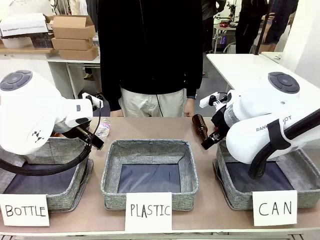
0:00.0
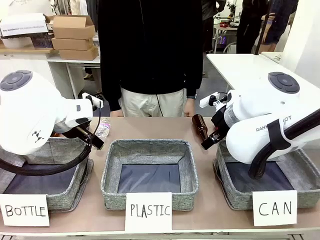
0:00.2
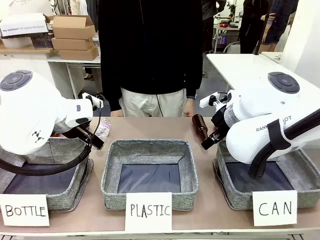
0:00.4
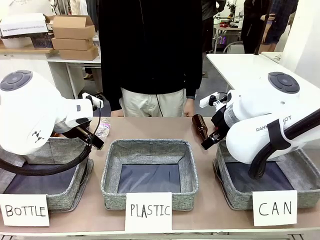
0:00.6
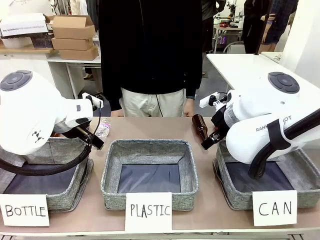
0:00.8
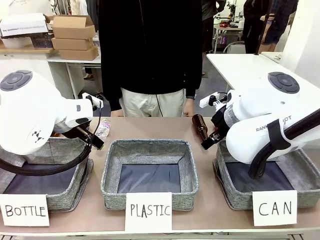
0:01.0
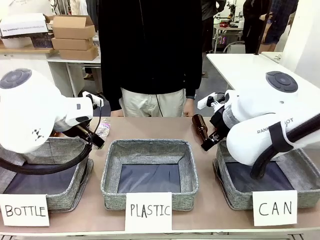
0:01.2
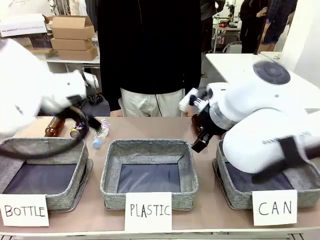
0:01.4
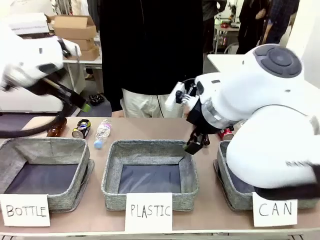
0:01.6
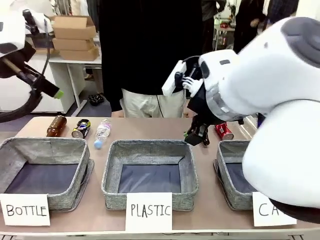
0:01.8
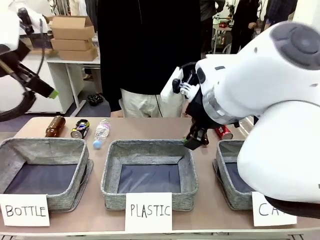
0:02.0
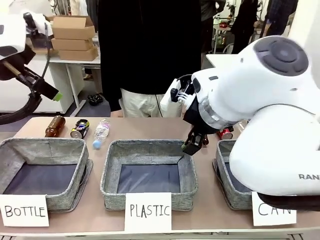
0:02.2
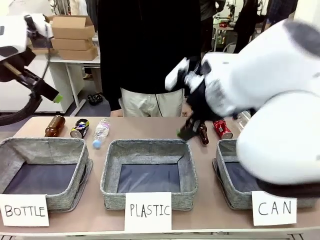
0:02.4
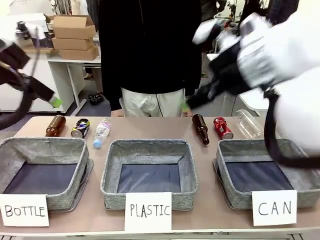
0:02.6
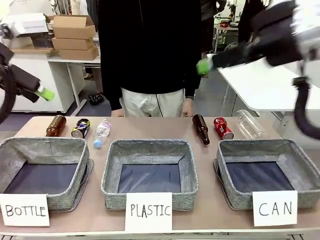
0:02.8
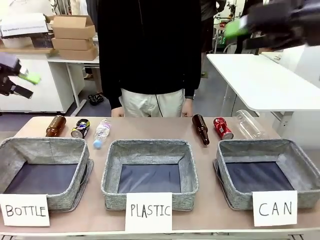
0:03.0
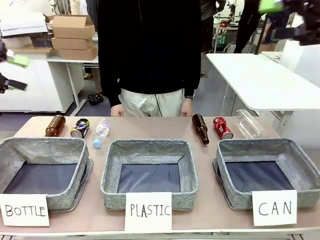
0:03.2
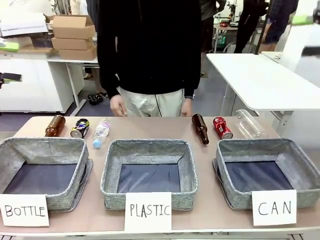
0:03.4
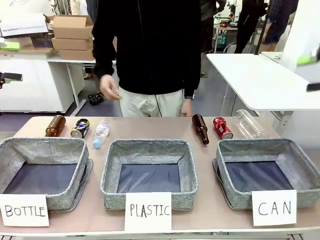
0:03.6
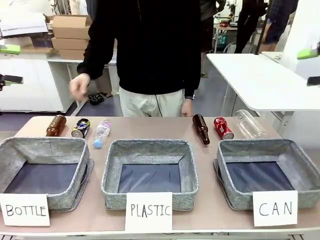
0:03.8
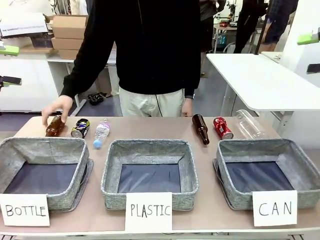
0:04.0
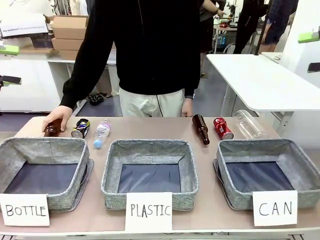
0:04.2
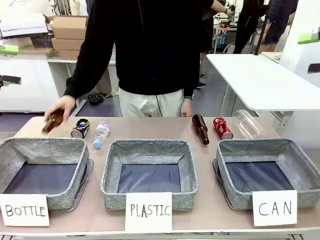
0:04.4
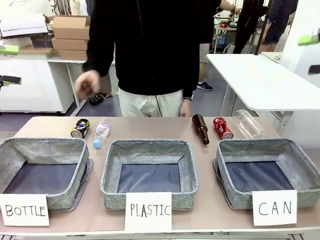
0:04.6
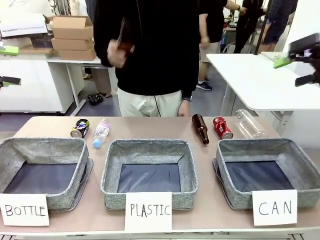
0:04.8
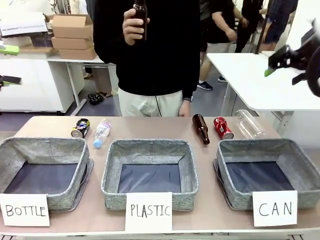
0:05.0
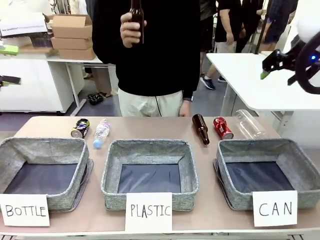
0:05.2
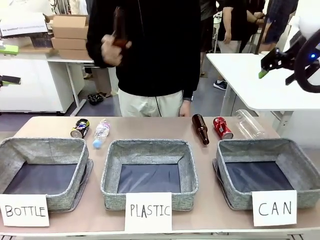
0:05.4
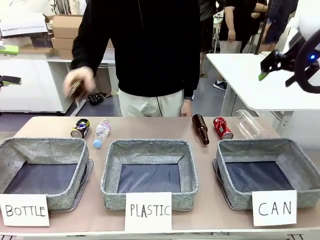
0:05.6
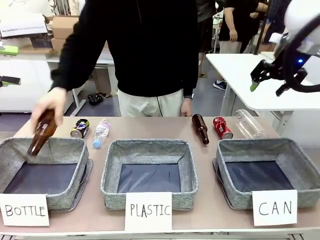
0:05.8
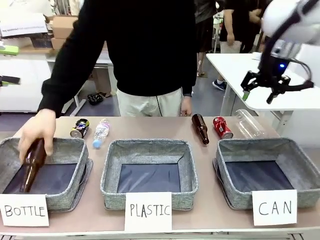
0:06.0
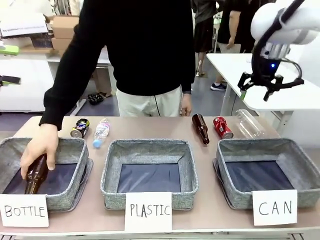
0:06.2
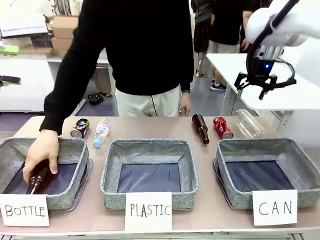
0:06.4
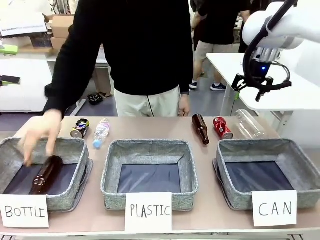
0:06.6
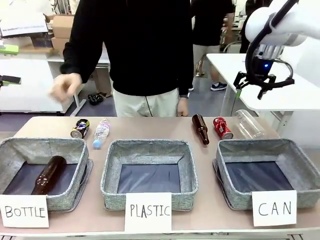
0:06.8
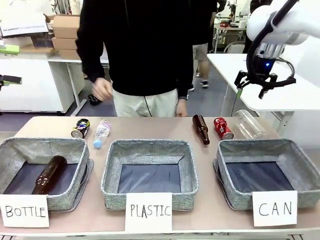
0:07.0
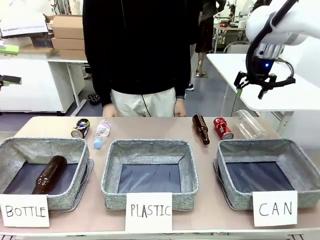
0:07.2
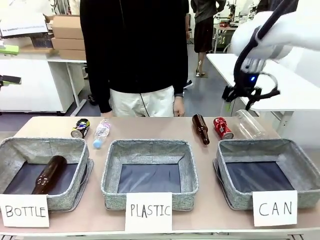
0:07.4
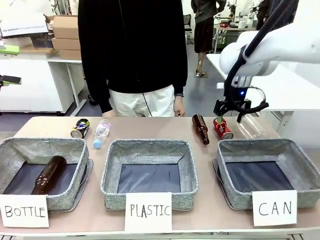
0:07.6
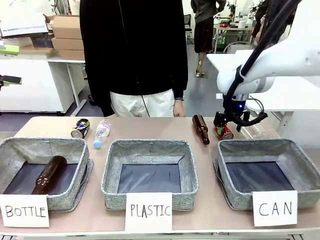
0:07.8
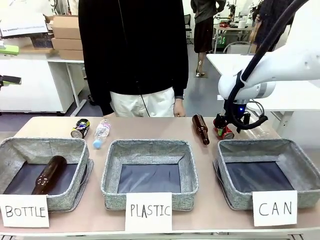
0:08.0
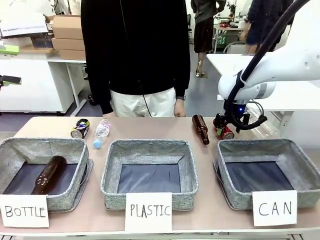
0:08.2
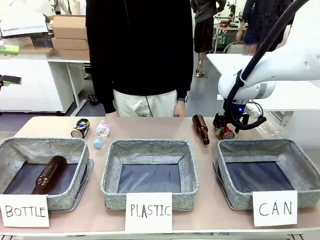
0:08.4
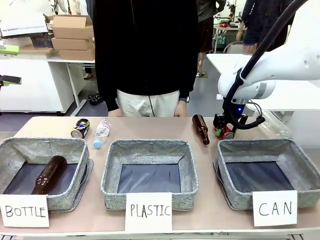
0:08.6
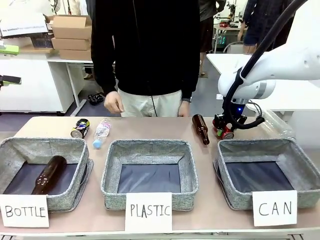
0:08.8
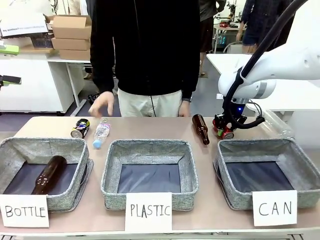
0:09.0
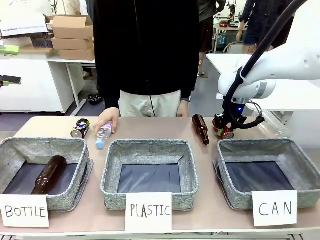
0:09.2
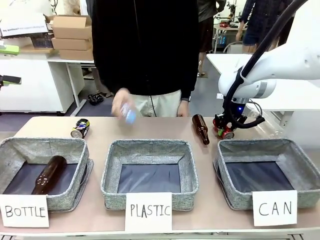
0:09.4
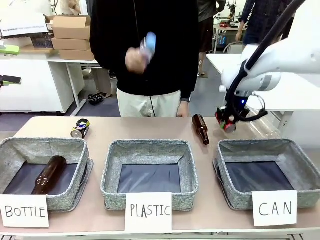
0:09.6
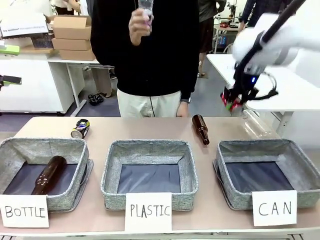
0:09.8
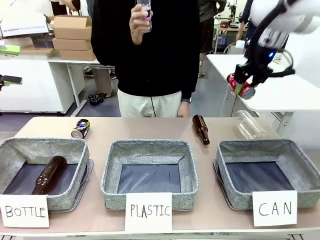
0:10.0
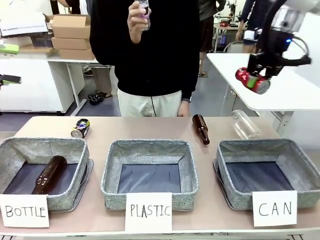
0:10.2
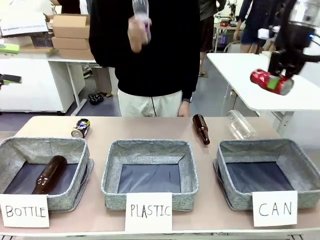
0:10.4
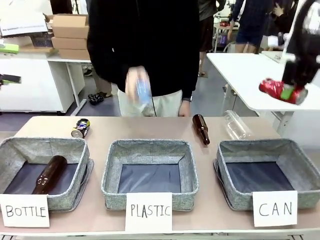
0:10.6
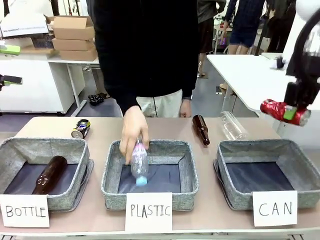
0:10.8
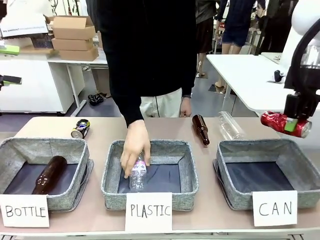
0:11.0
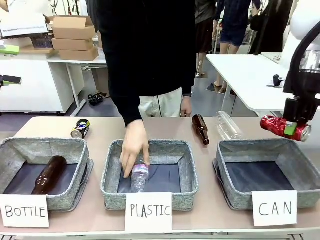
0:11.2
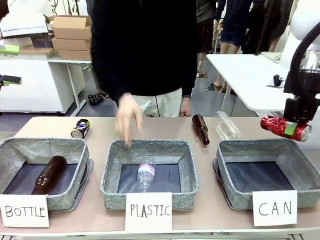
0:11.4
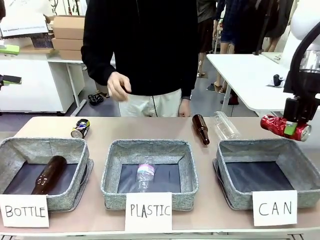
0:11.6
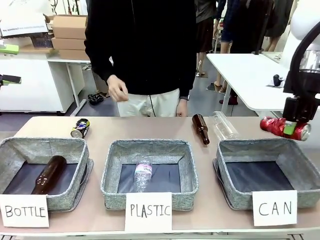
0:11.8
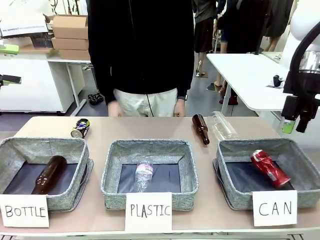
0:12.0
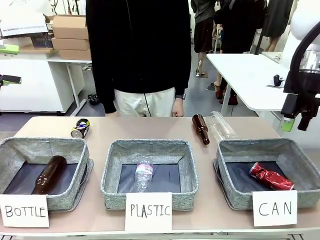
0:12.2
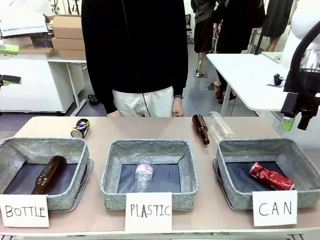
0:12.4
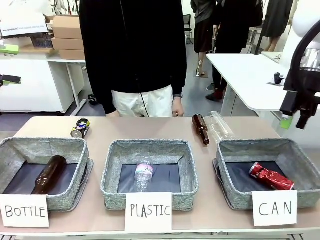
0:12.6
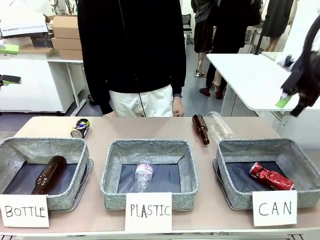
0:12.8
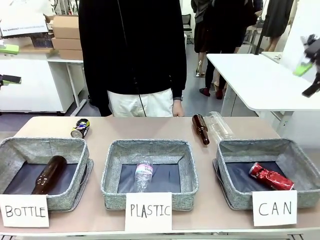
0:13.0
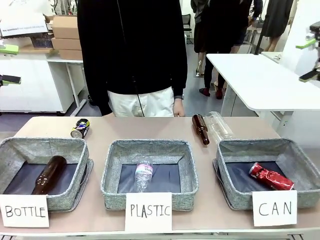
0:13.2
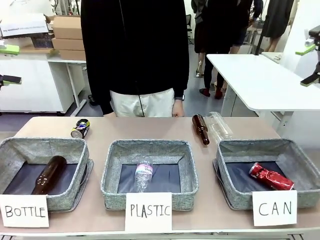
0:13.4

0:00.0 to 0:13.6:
Task: Sort the can waste into the basket.
Robot: Pick up the can waste from the table and place it in the right Fabric basket.
